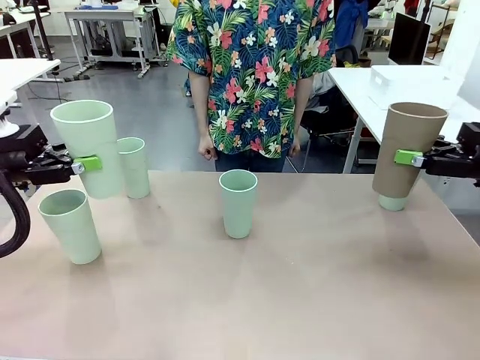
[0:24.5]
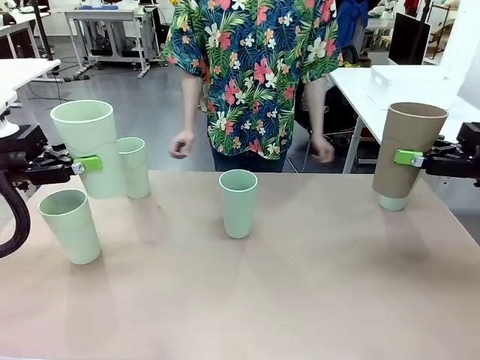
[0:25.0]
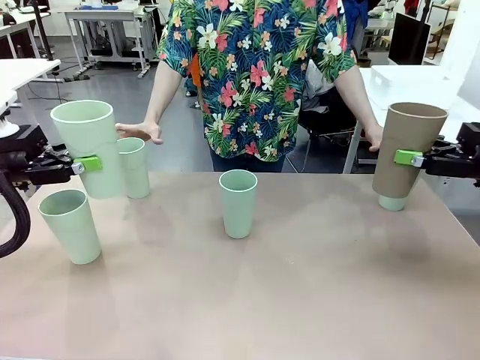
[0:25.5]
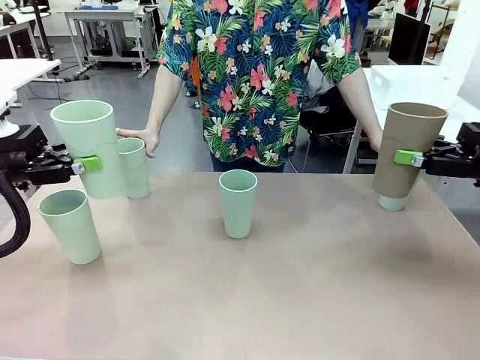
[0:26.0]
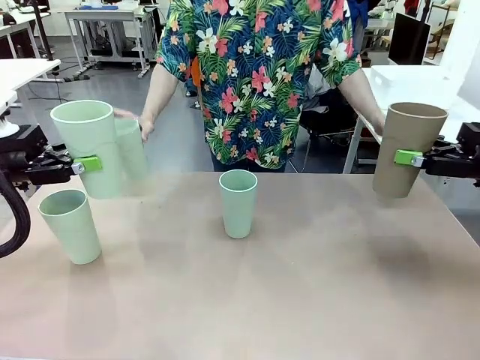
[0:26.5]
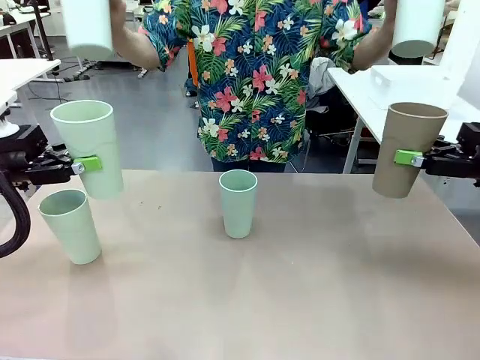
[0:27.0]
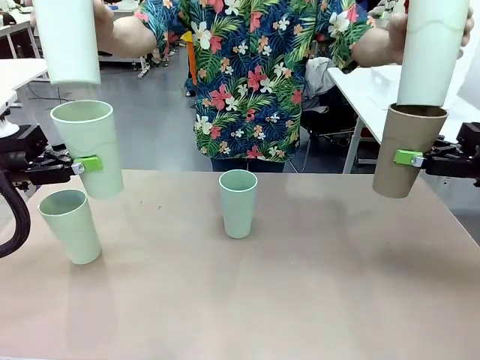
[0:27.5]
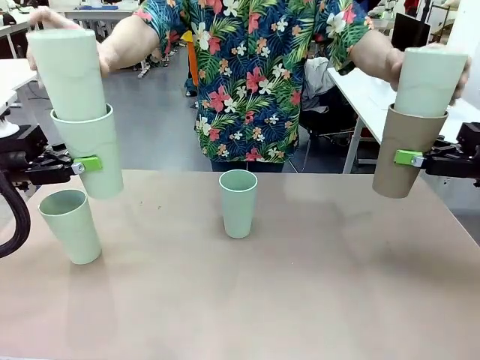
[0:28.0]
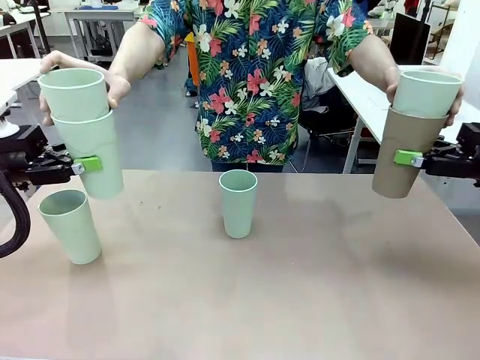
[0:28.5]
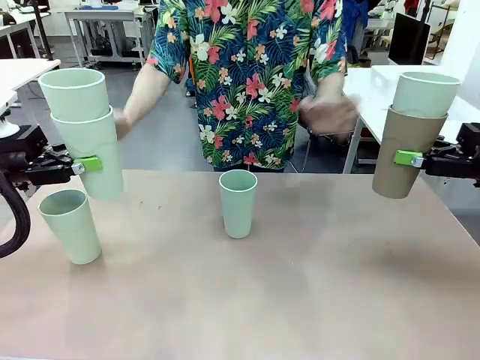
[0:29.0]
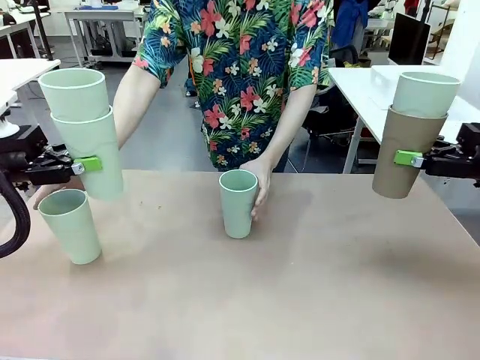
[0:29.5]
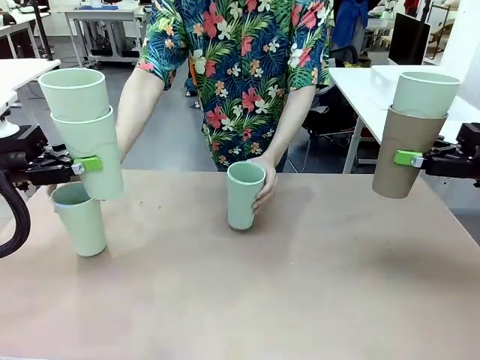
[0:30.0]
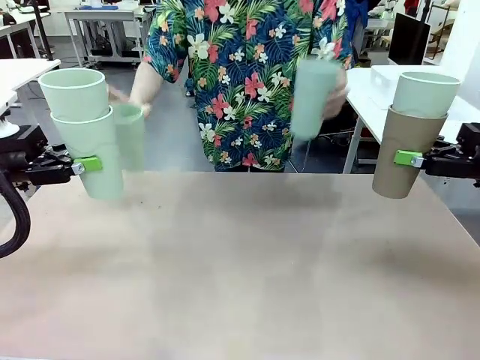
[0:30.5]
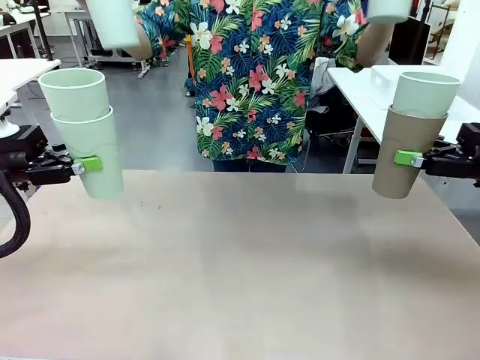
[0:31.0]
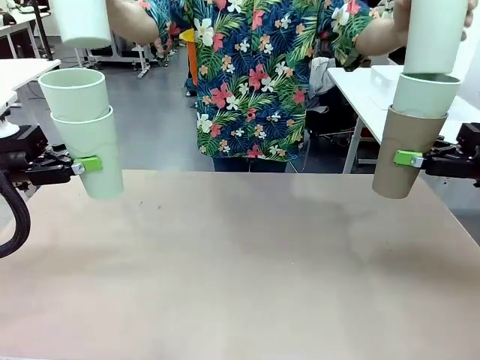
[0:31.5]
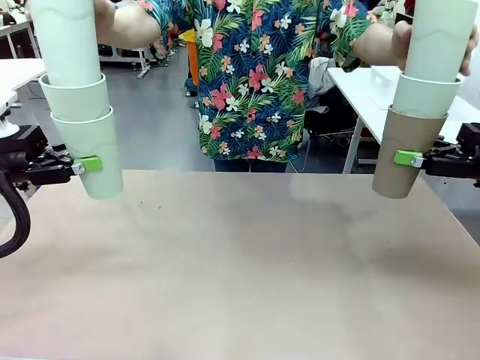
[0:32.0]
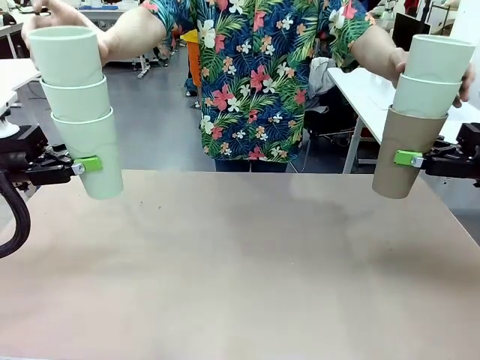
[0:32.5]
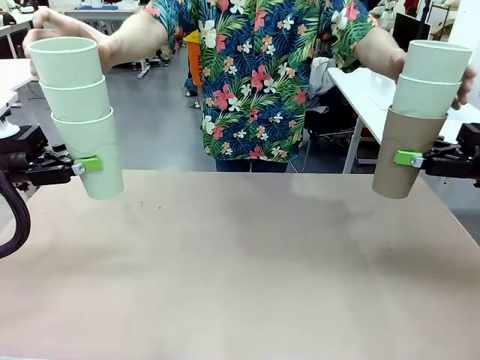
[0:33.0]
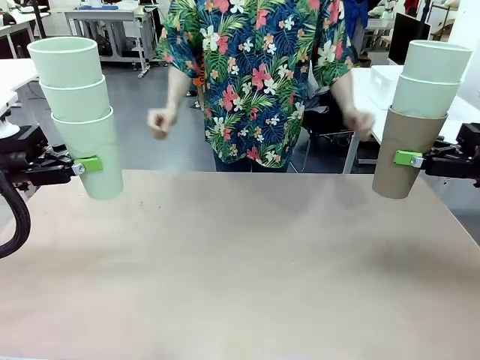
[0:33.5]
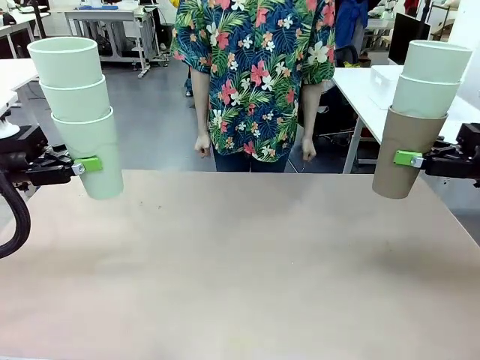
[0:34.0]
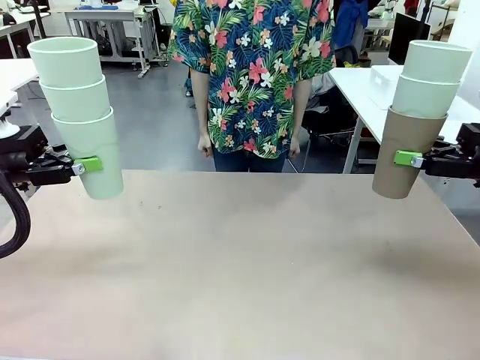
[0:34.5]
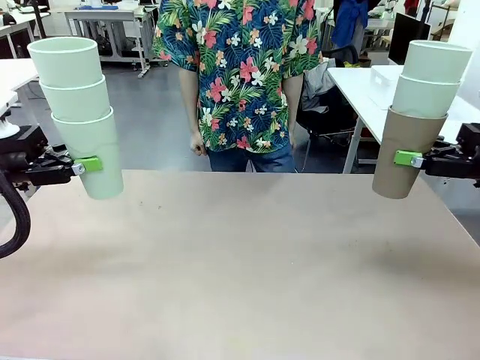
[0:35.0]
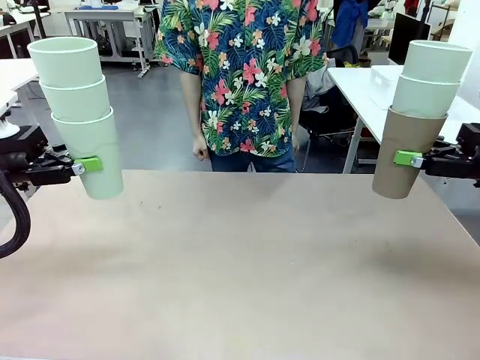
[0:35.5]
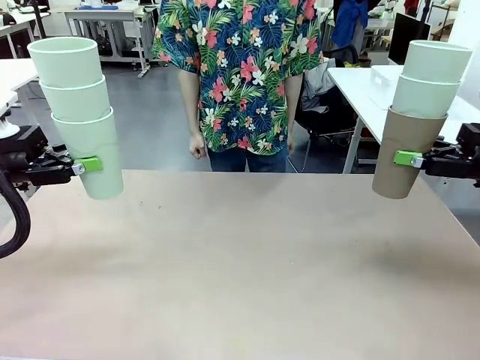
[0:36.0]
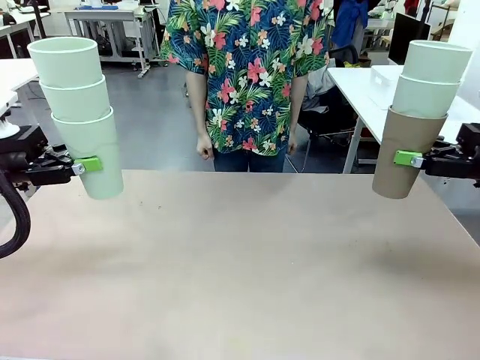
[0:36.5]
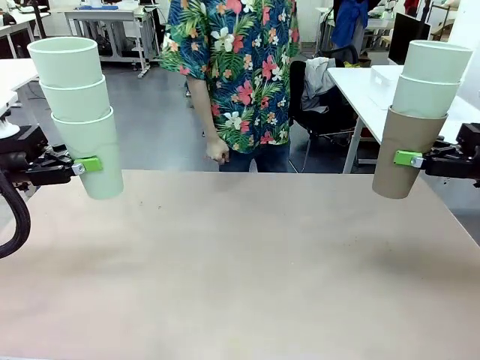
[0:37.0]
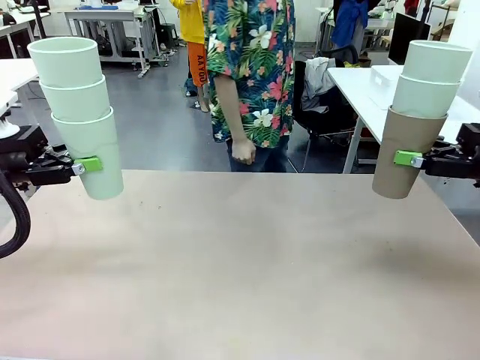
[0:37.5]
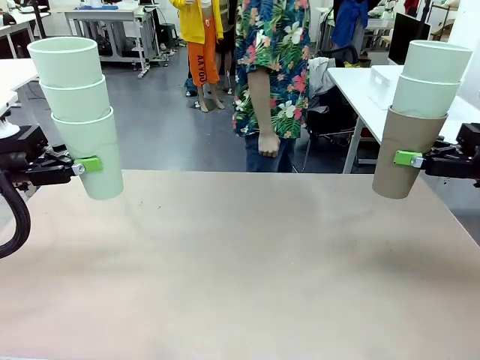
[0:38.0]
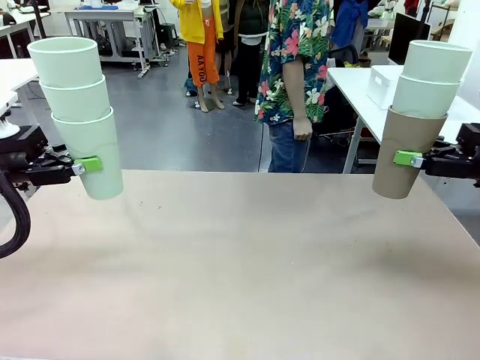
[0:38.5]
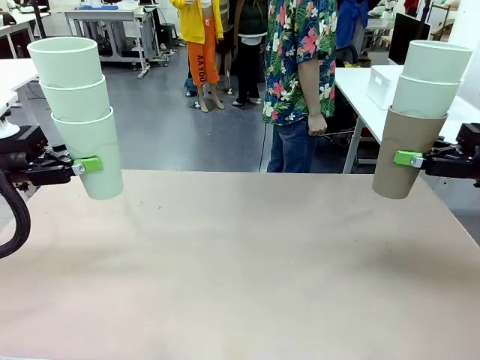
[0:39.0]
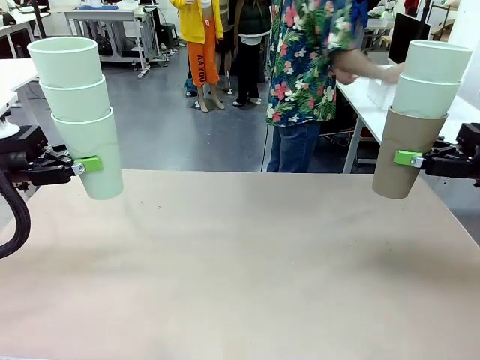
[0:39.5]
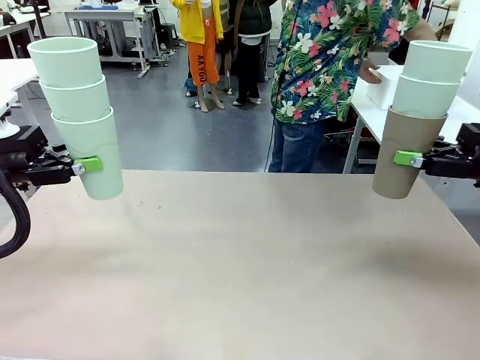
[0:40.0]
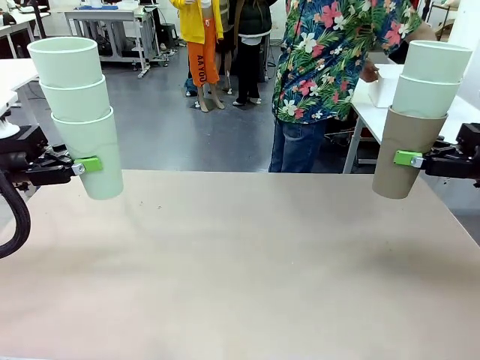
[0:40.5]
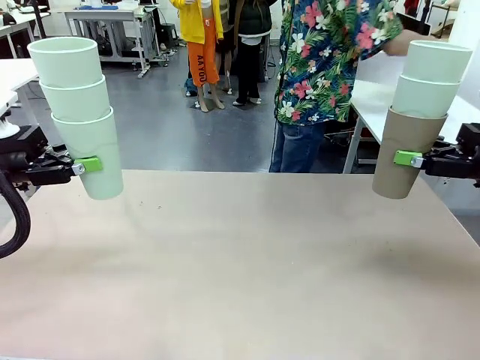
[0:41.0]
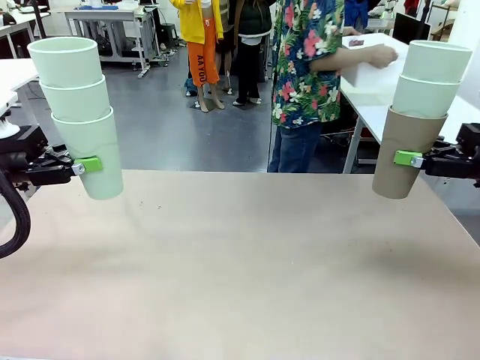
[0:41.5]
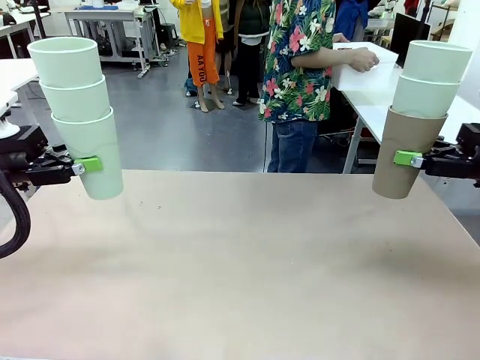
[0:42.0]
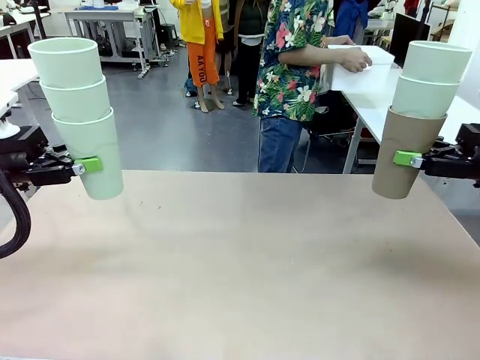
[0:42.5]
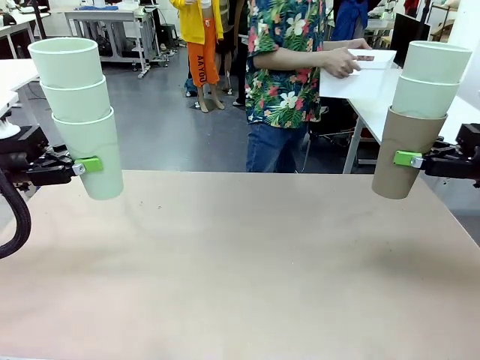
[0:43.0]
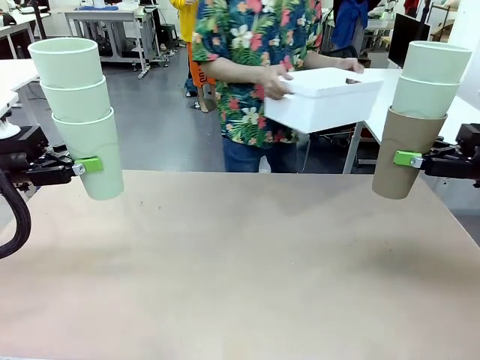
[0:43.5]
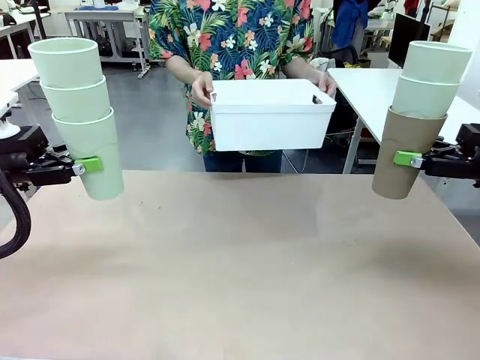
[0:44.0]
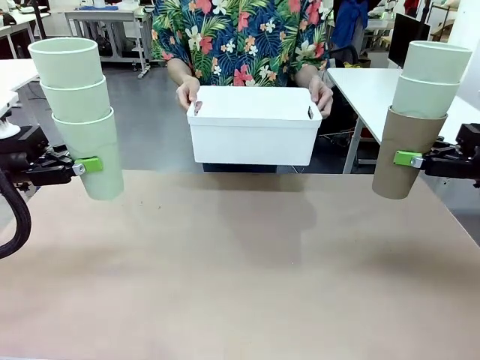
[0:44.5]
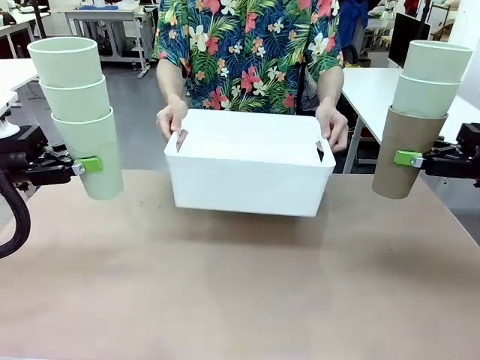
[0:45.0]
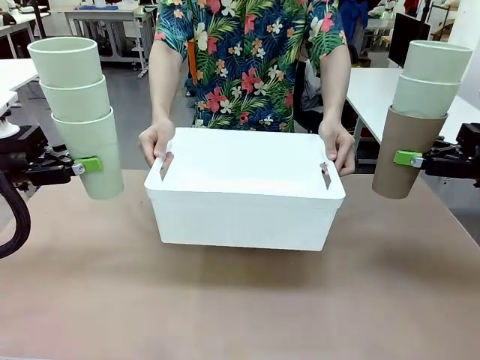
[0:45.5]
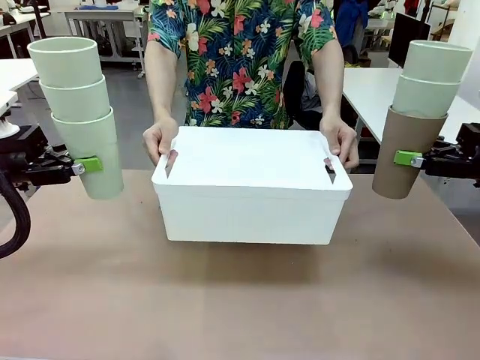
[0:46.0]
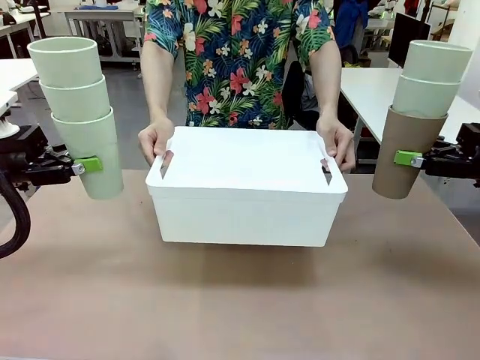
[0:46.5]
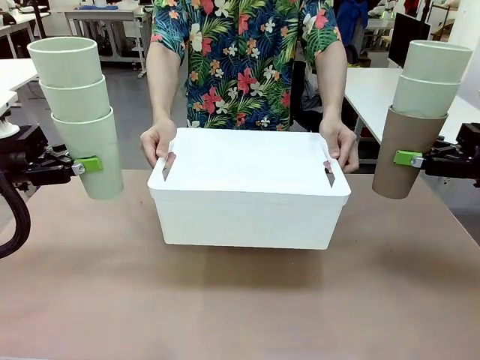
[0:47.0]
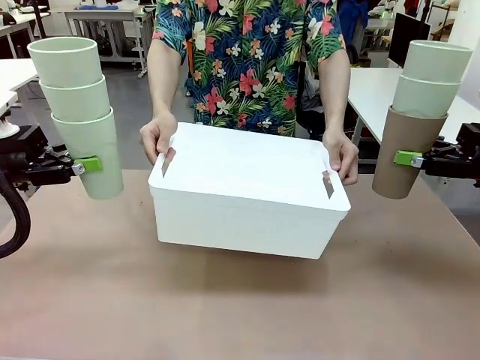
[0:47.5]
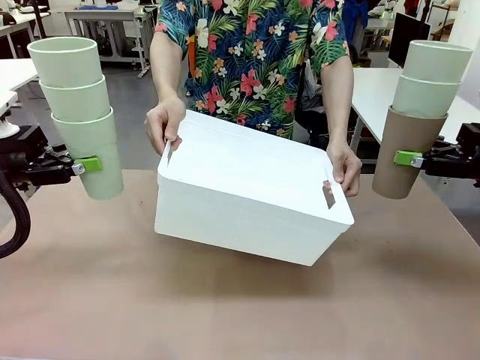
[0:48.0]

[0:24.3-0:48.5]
Task: Stack the cups and store them in the basket.
Robot: Place the stack of Reusable plastic cups into the Pantry Basket.
Person: Pick up the basket from the Human Table, bring it to the front of the robot, and present it.
